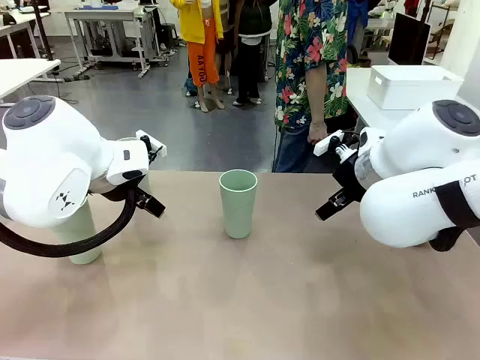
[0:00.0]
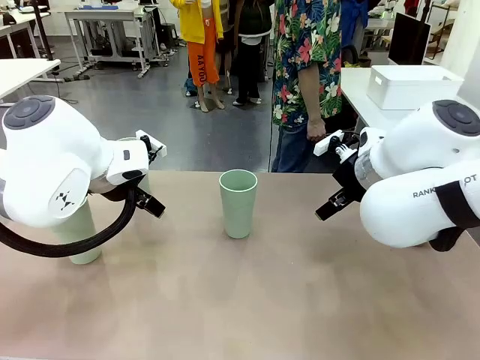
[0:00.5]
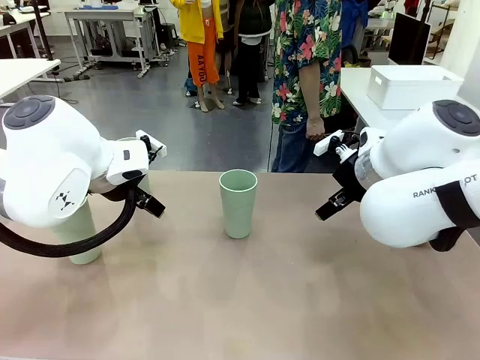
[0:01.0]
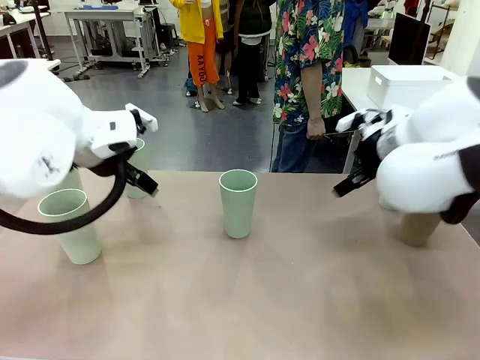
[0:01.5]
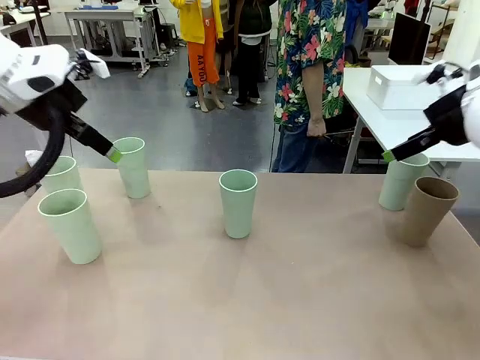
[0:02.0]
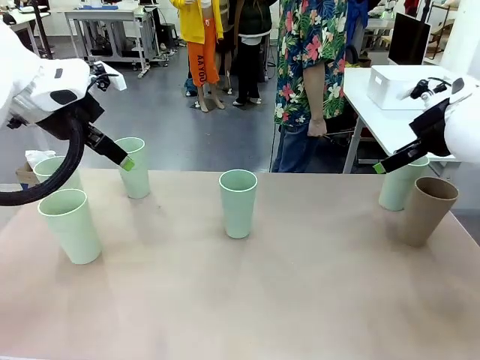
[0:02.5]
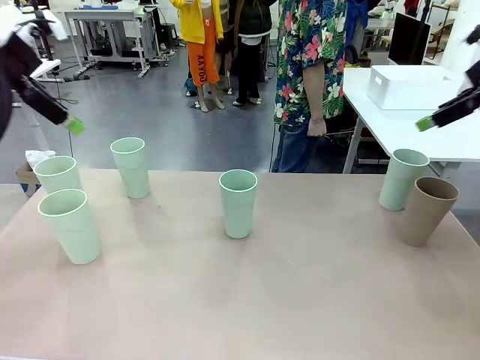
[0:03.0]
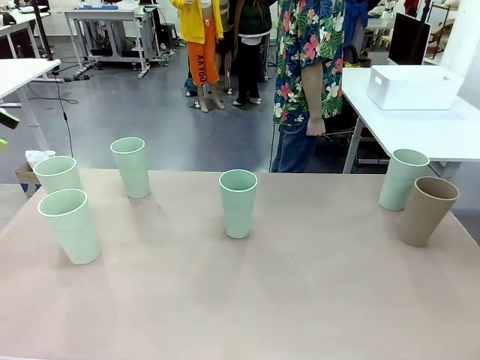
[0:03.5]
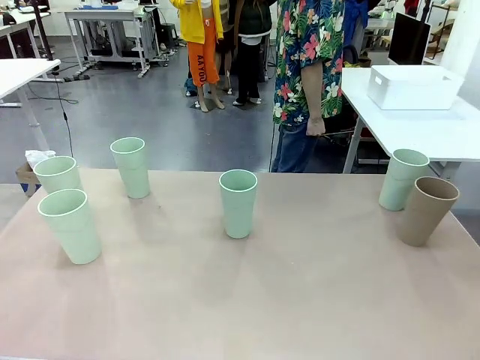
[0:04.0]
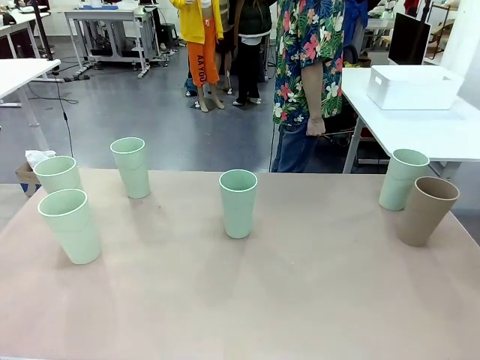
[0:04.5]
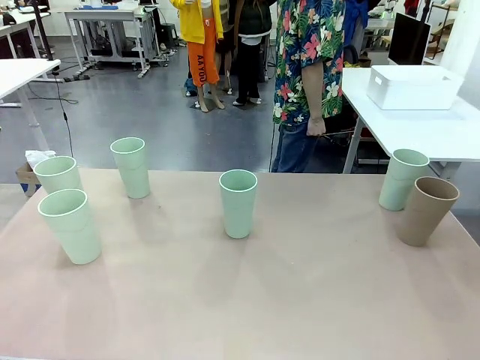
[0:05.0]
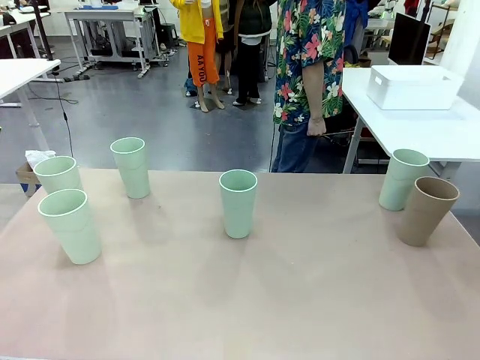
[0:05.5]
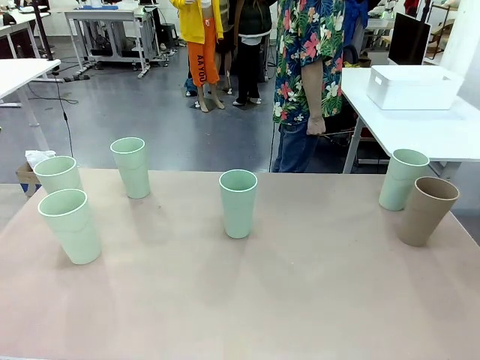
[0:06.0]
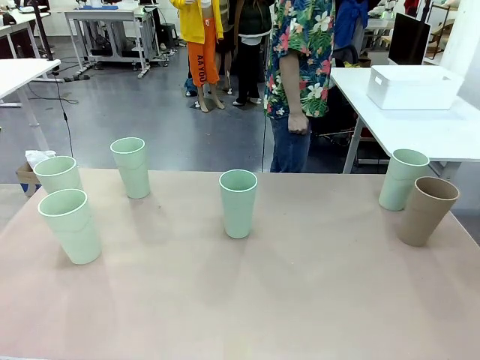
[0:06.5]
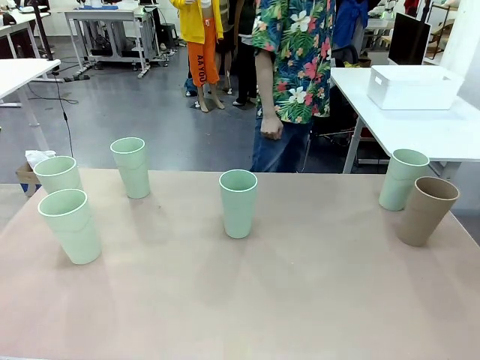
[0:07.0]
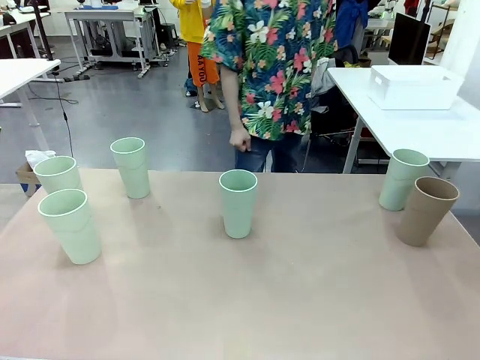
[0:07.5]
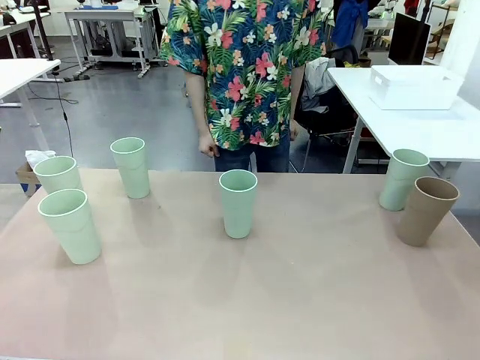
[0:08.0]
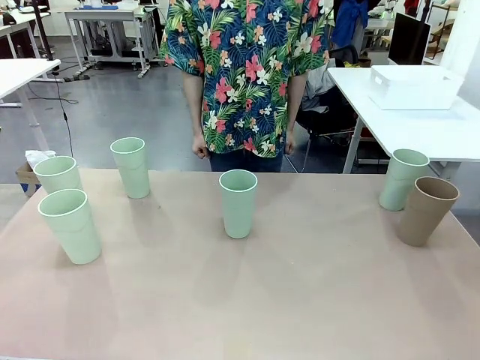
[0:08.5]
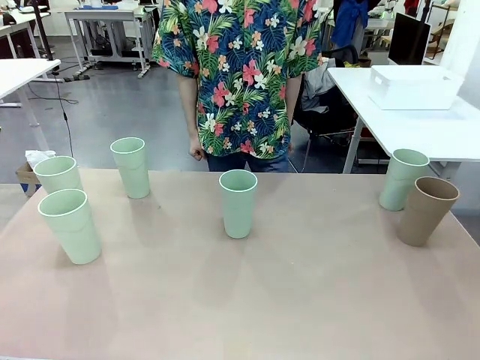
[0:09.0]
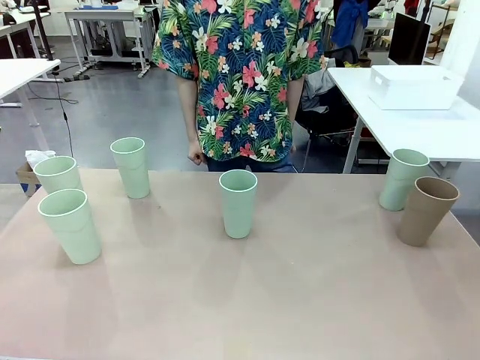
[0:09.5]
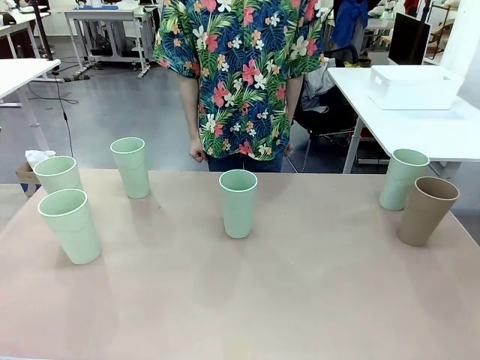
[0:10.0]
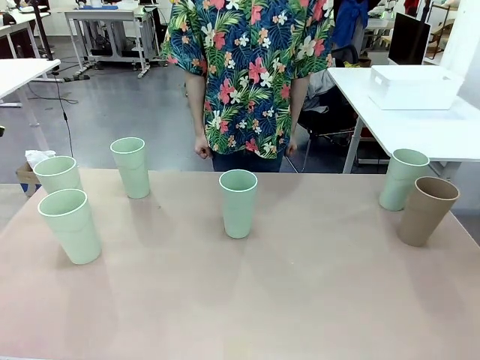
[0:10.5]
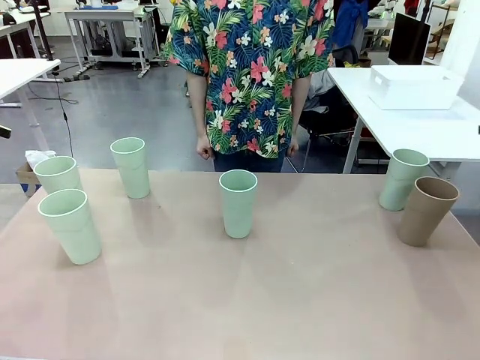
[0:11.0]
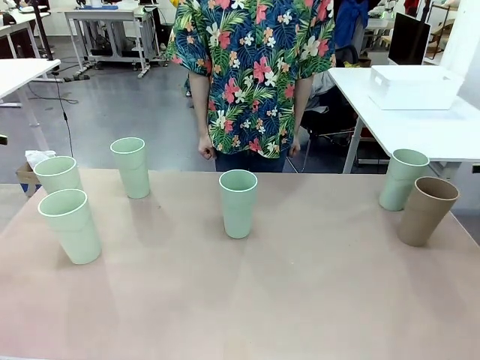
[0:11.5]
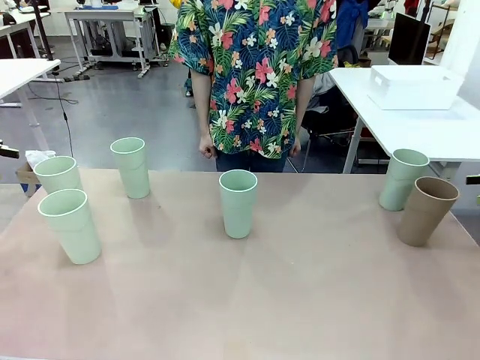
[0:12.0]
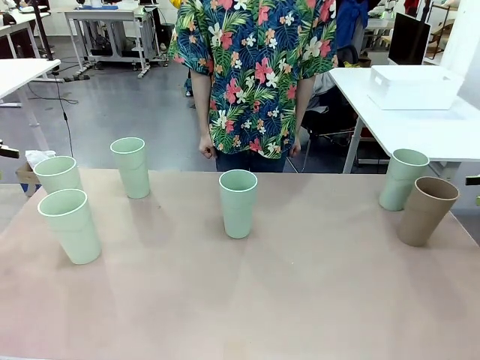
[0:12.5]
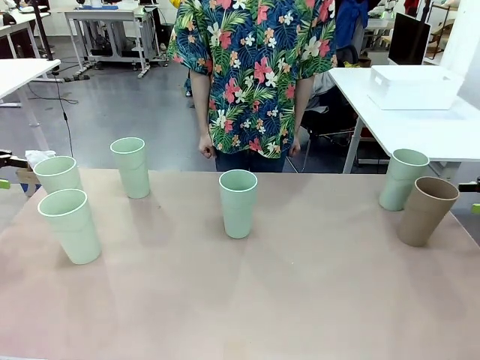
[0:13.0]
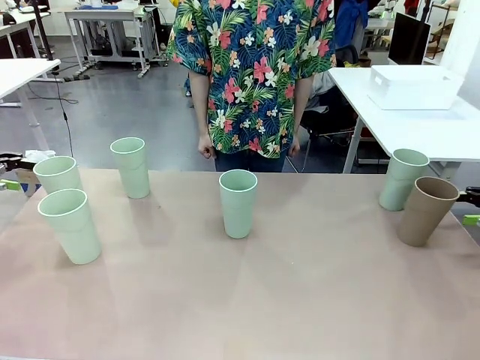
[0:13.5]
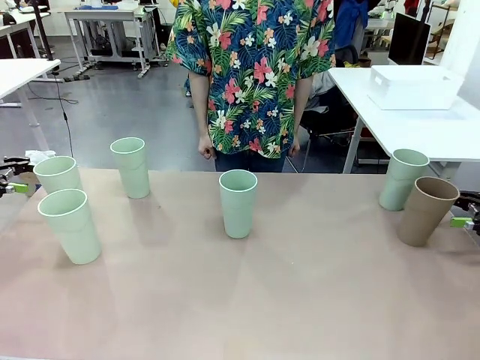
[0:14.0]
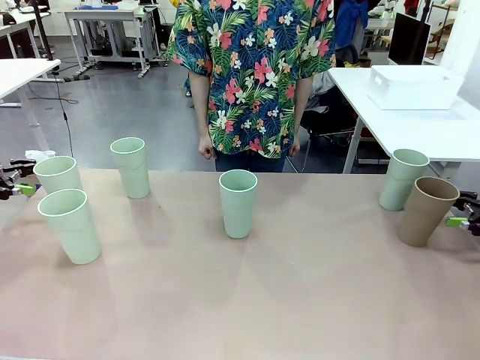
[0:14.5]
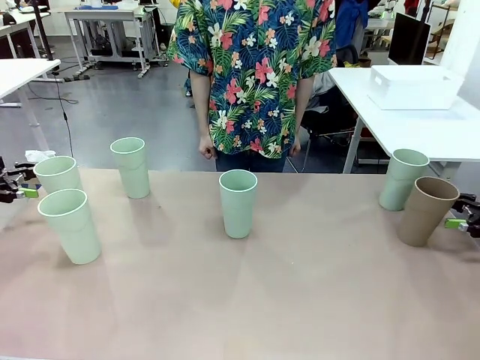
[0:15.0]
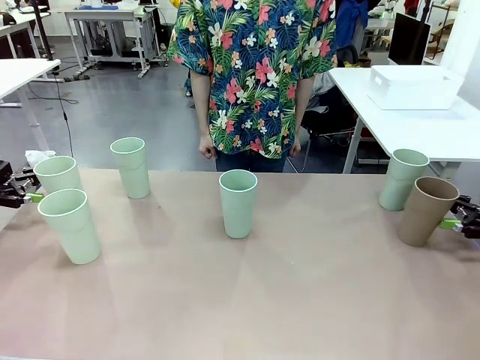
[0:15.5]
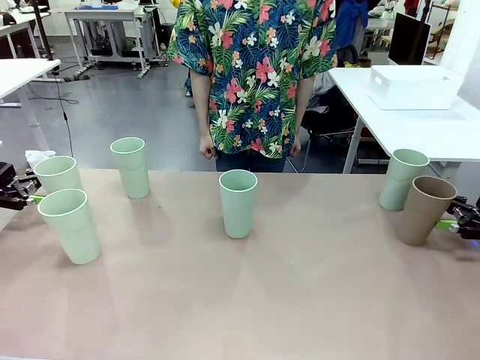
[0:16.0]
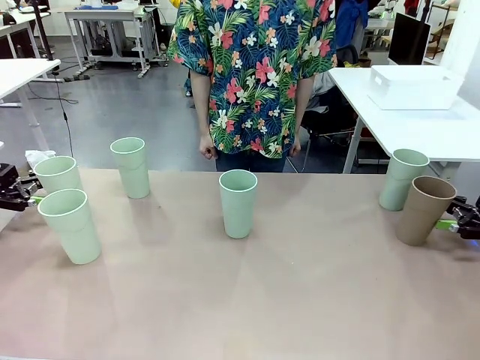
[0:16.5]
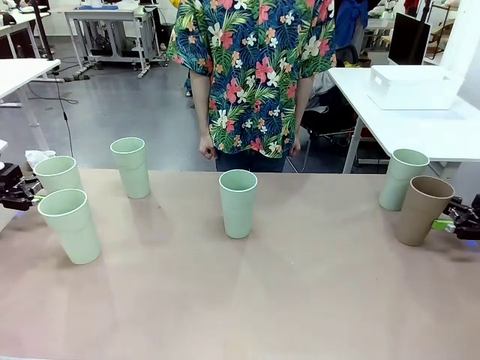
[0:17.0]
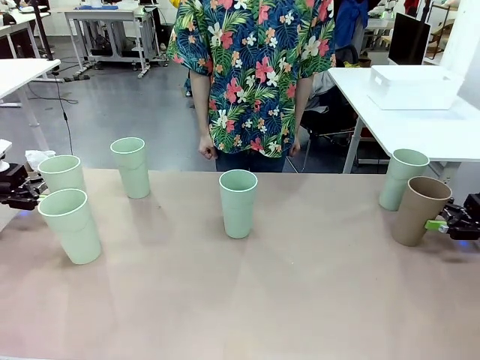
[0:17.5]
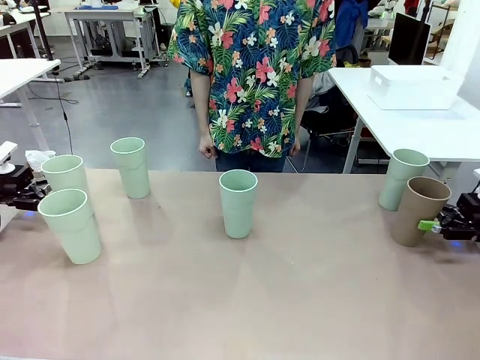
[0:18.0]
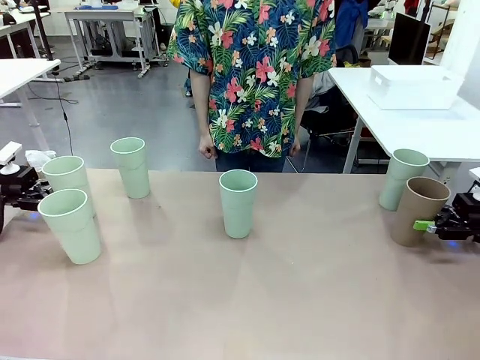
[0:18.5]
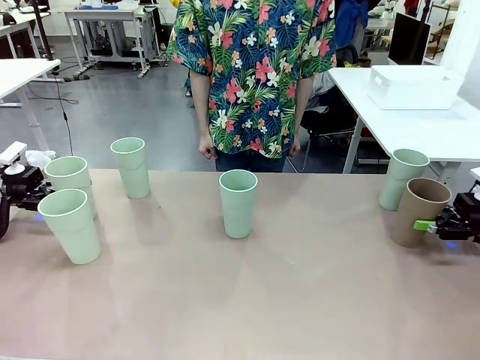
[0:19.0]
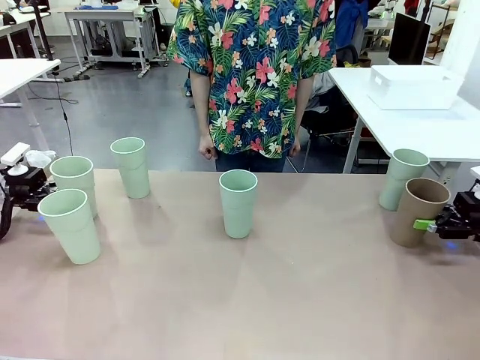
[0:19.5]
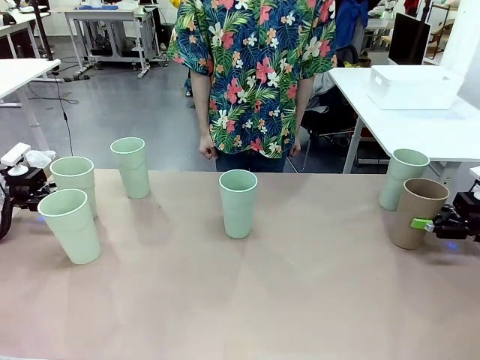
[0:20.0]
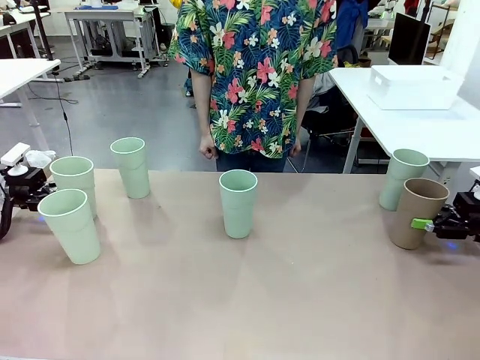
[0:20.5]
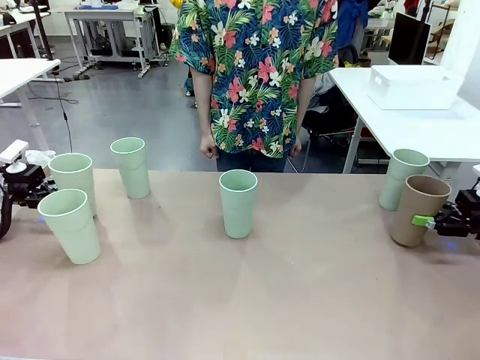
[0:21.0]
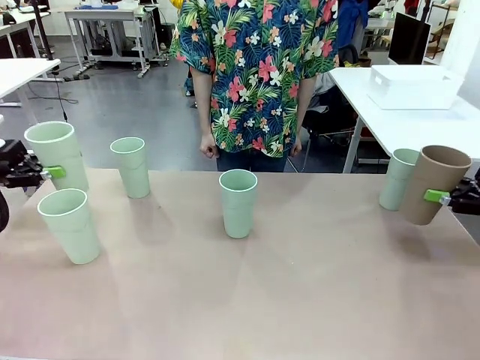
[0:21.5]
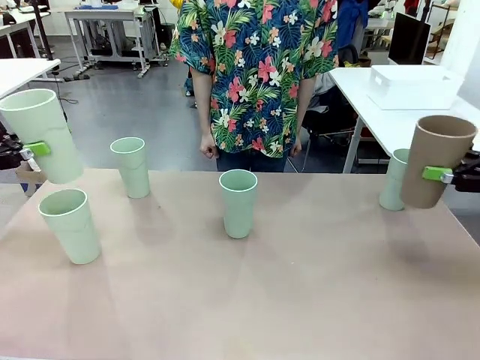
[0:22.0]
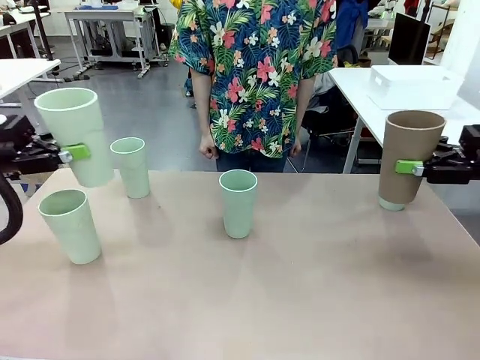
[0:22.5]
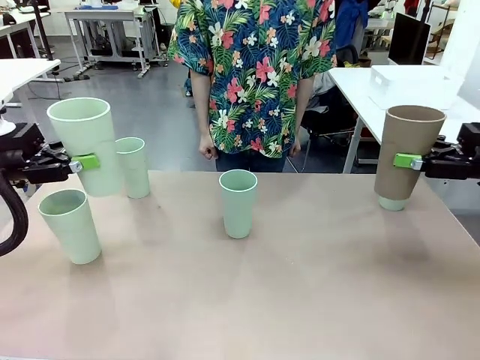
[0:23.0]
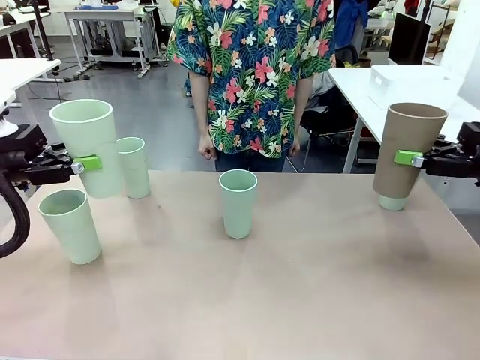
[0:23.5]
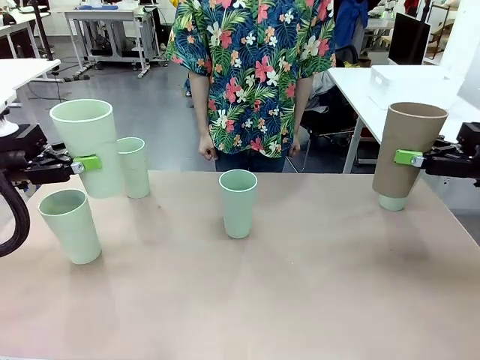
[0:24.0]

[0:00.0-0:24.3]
Task: Stack the cups and store them in the basket.
Robot: Pick up two Reusable plastic cups , one in each hand.
Person: Move from the Human Table to the front of the Robot Table. Stack two of the remaining cups on top of each cup held by the robot.
